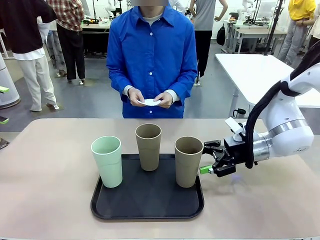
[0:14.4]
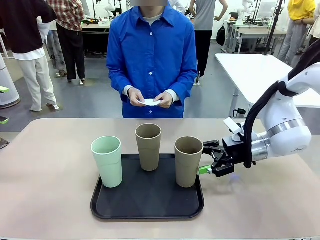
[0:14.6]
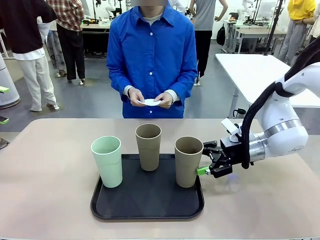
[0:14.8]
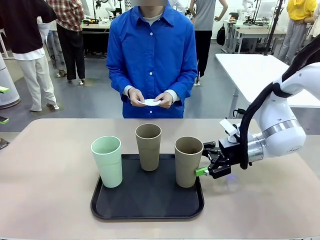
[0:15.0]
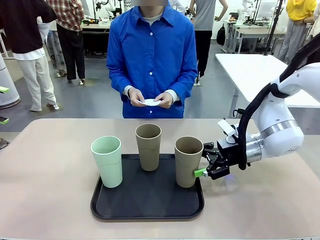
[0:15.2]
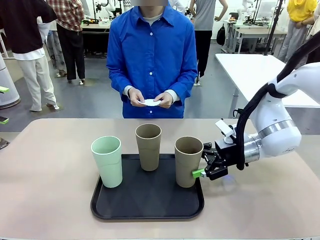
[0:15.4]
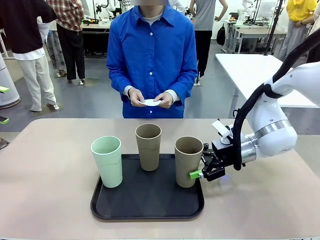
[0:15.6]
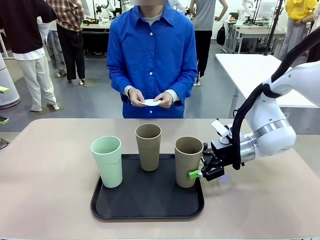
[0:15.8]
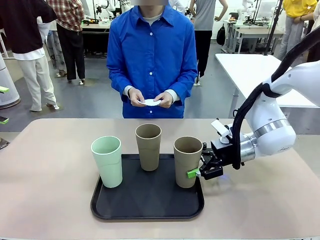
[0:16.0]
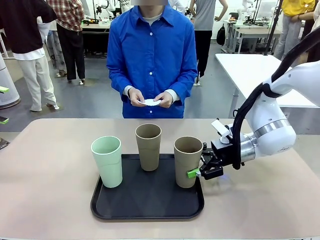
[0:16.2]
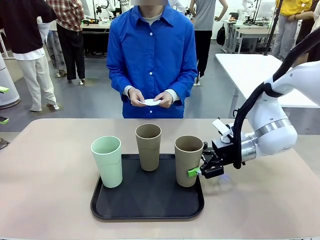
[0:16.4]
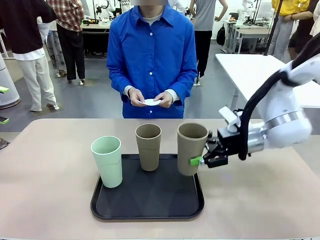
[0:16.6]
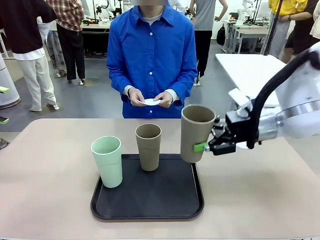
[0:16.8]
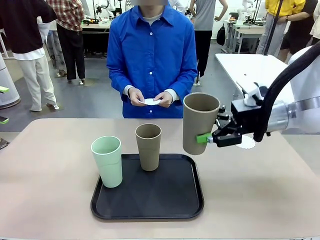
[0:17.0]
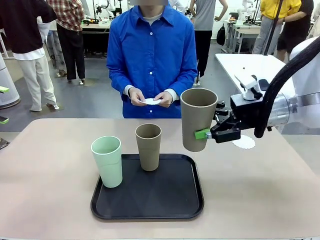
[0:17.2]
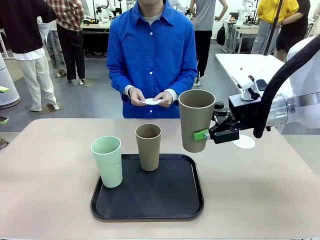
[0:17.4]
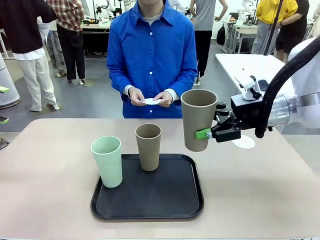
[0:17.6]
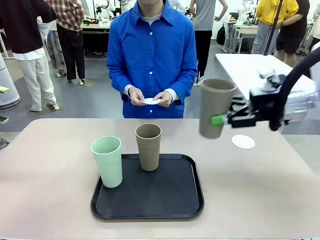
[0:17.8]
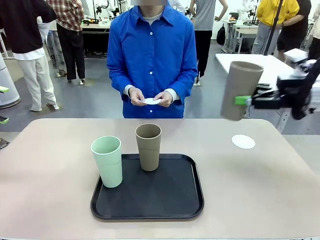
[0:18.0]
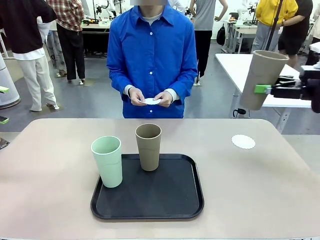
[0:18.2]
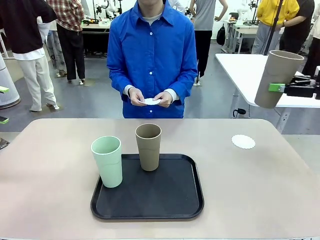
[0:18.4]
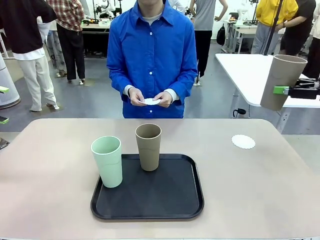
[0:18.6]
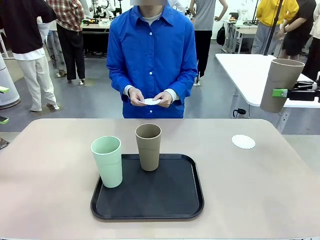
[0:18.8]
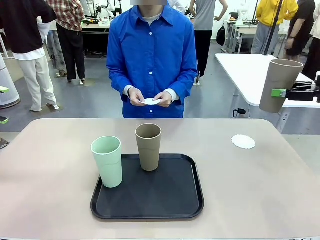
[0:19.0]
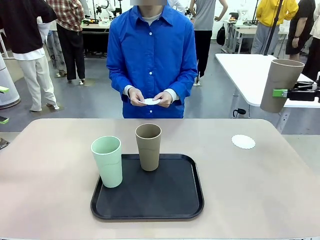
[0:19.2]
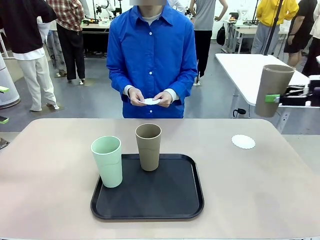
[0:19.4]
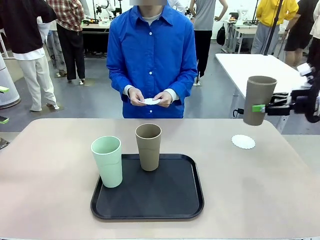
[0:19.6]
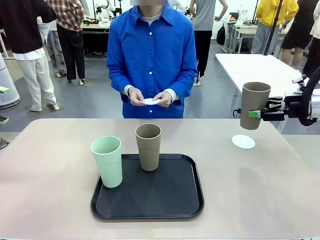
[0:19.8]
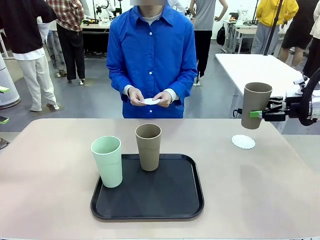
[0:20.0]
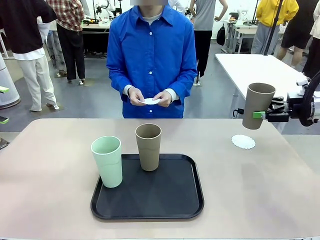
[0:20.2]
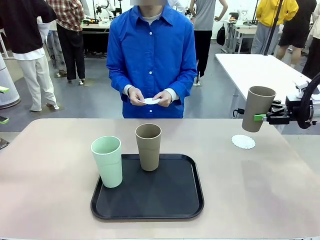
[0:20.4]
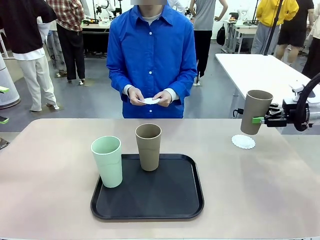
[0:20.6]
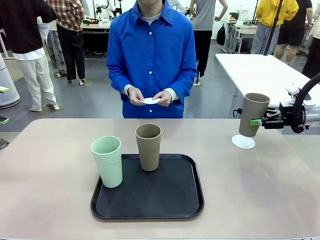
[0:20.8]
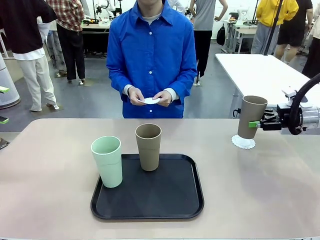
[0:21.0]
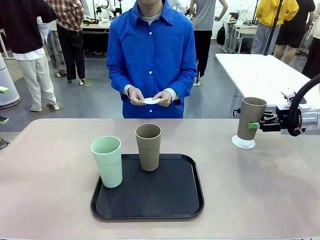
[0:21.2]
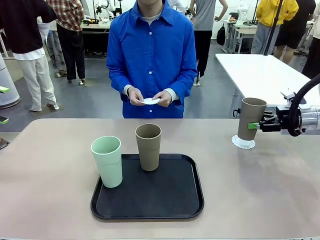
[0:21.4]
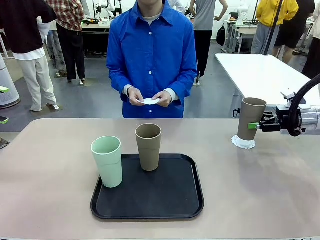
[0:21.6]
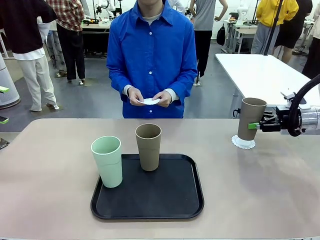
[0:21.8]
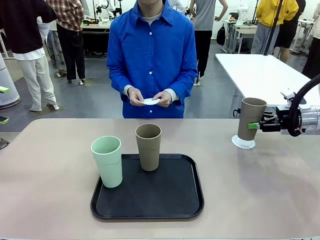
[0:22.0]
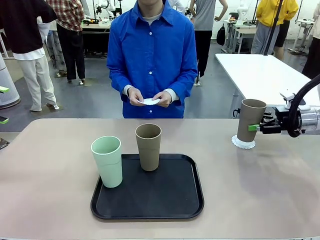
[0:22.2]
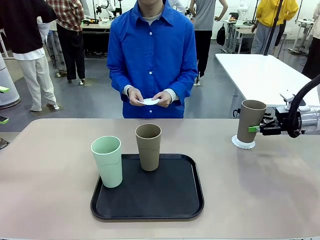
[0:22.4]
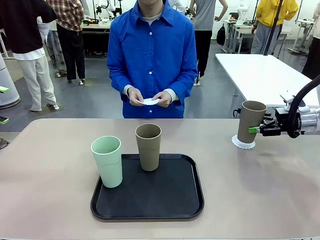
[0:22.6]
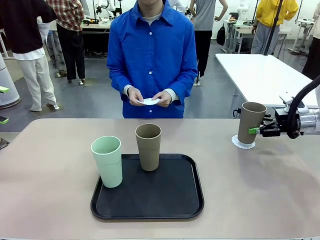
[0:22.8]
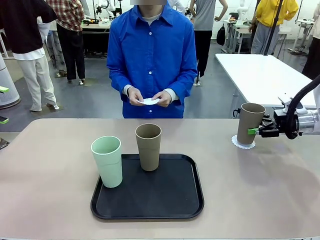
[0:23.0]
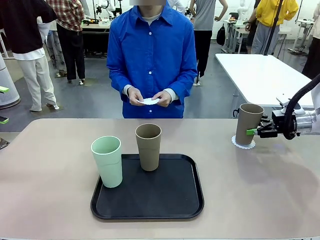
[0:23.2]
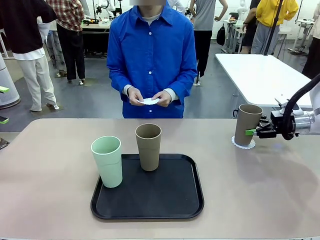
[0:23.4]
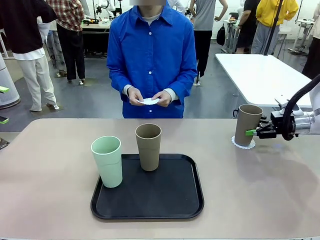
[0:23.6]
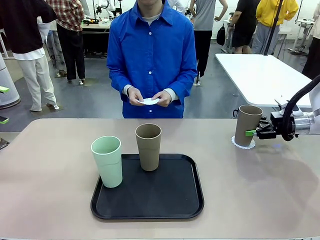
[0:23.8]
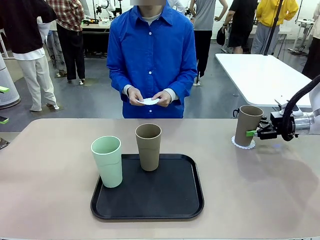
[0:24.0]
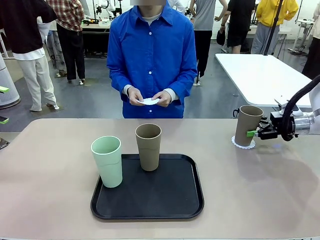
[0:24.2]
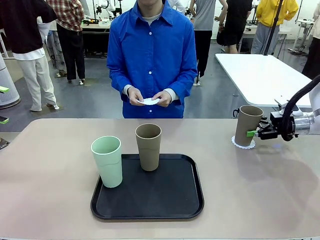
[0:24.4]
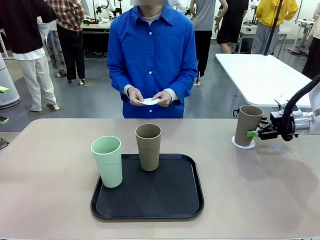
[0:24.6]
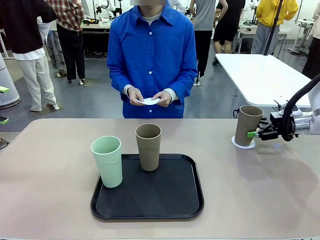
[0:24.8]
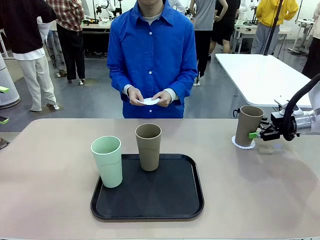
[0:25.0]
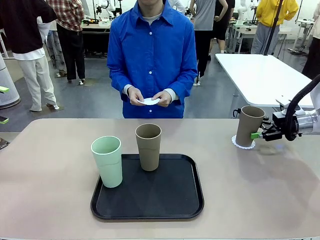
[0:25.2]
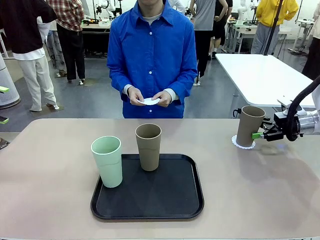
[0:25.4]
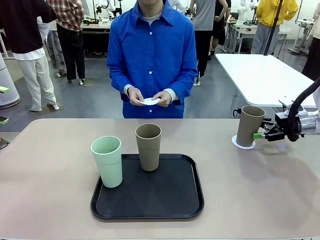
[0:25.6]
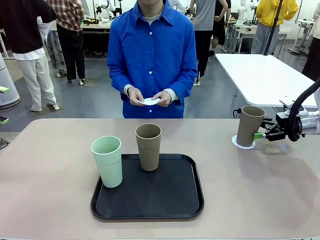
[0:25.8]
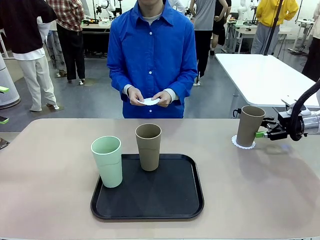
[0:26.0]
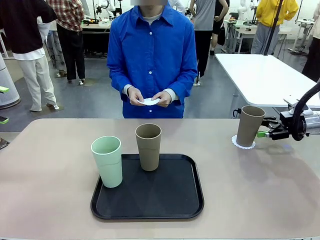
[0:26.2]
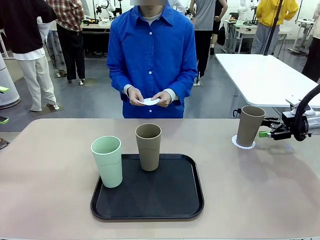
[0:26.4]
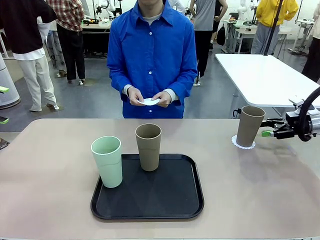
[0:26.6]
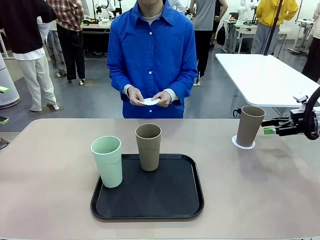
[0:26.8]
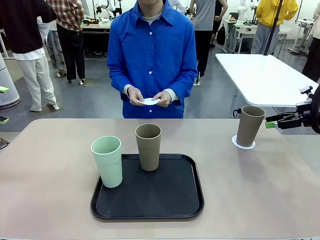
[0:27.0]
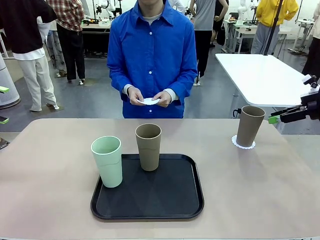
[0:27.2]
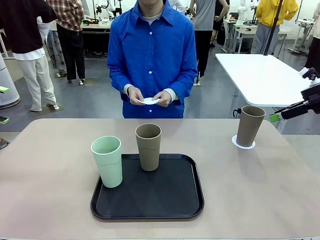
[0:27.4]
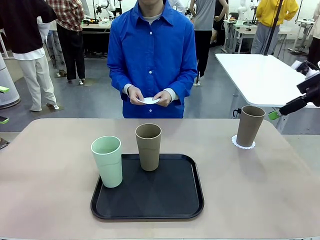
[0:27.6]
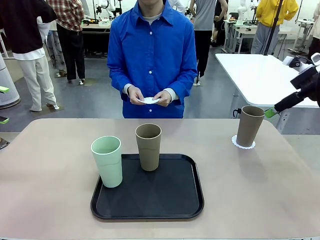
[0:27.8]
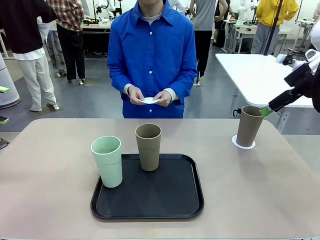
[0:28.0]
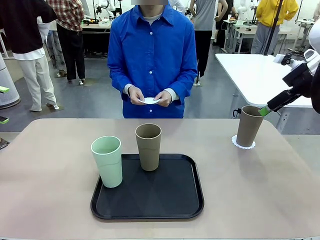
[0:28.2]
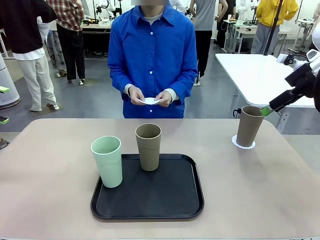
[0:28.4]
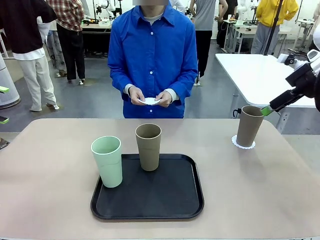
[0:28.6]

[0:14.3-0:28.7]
Task: Place coasters on the table and set cups on them.
Robot: Pick up one Reusable plastic cup and place it on a coaster set by the human.
